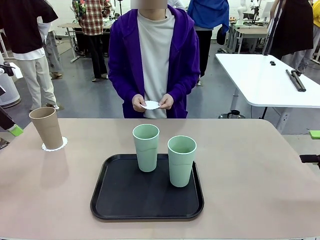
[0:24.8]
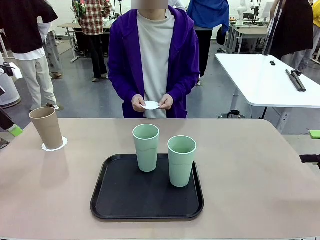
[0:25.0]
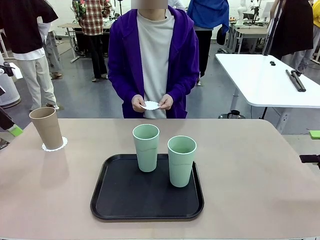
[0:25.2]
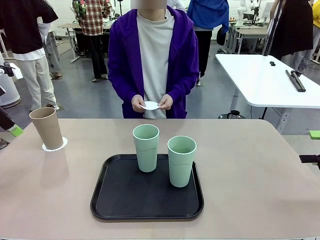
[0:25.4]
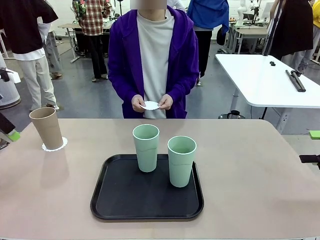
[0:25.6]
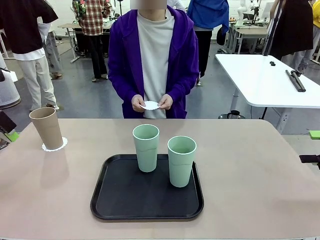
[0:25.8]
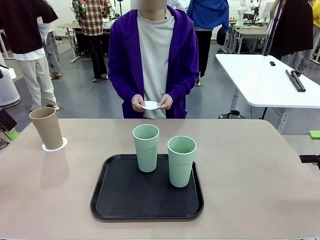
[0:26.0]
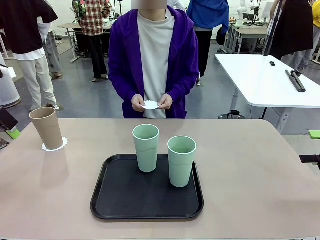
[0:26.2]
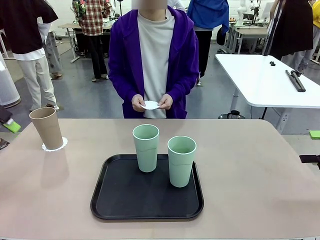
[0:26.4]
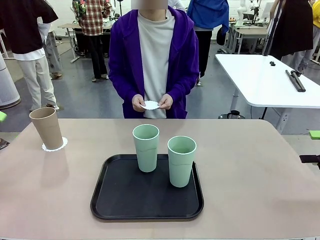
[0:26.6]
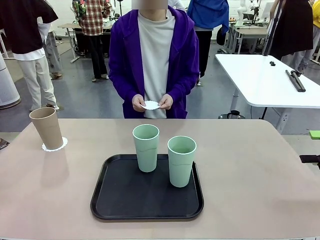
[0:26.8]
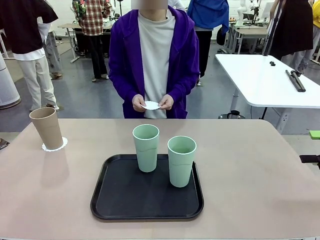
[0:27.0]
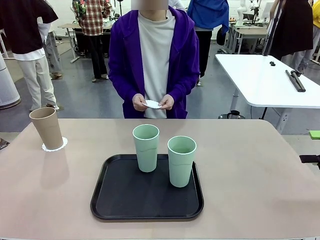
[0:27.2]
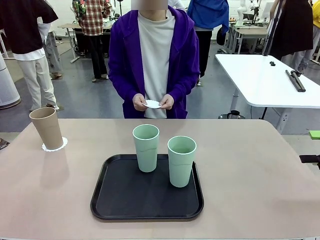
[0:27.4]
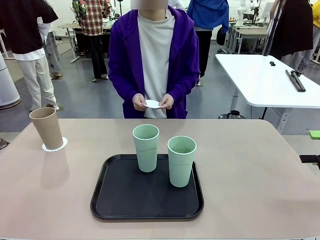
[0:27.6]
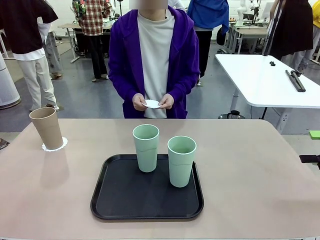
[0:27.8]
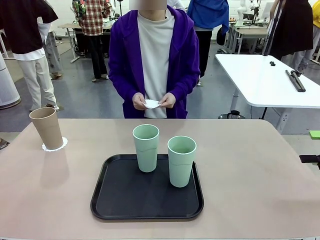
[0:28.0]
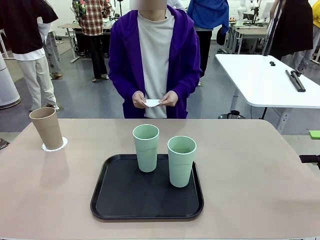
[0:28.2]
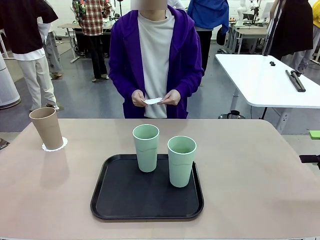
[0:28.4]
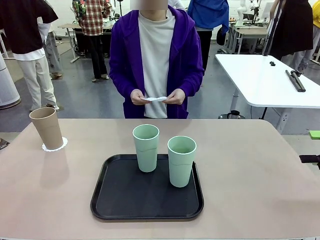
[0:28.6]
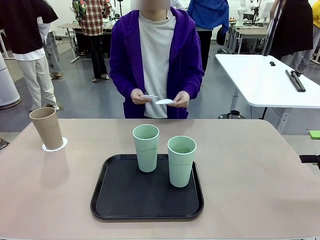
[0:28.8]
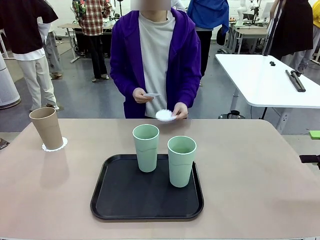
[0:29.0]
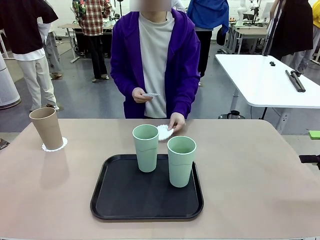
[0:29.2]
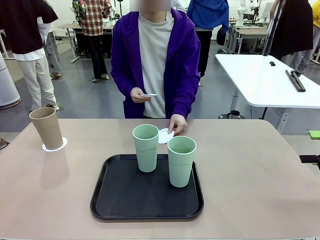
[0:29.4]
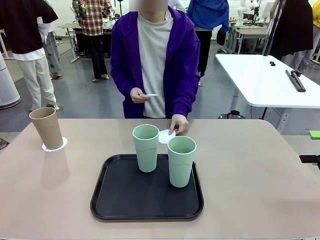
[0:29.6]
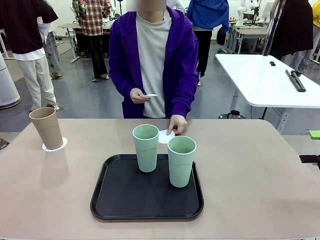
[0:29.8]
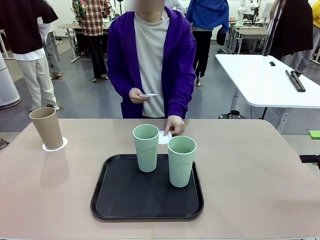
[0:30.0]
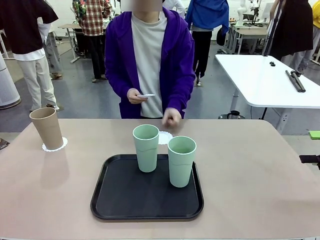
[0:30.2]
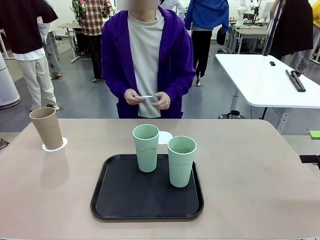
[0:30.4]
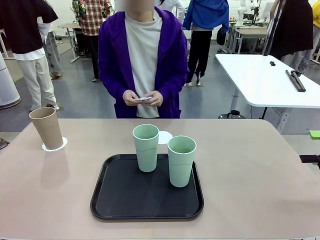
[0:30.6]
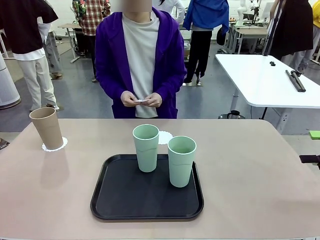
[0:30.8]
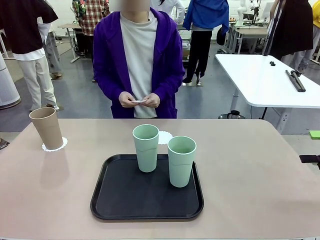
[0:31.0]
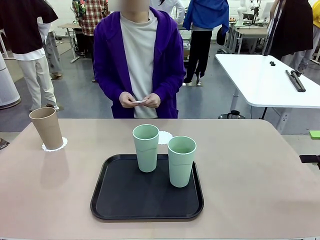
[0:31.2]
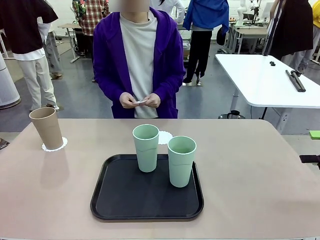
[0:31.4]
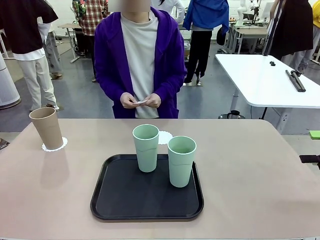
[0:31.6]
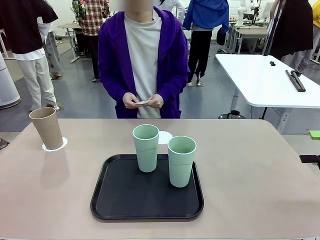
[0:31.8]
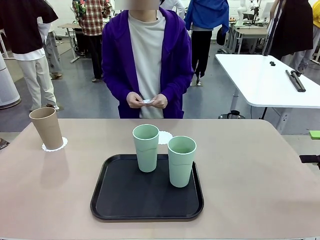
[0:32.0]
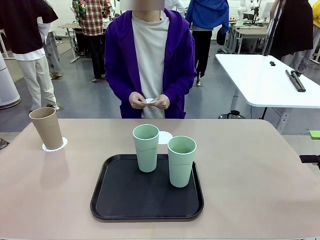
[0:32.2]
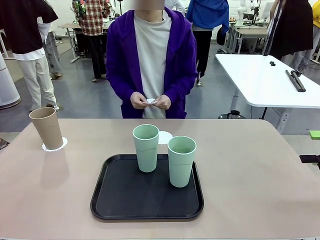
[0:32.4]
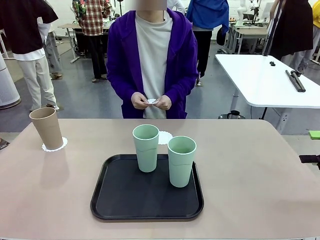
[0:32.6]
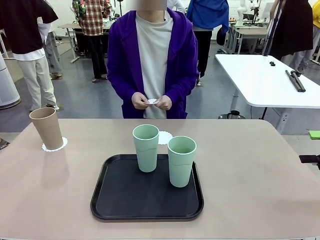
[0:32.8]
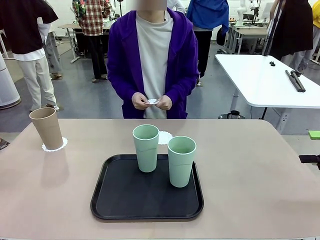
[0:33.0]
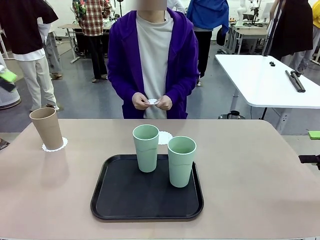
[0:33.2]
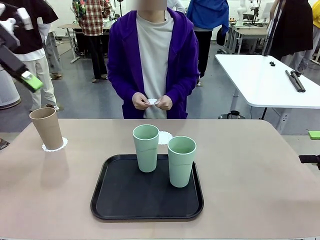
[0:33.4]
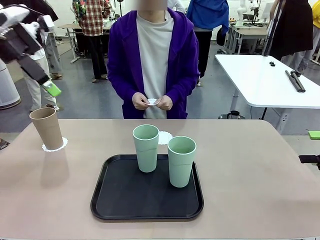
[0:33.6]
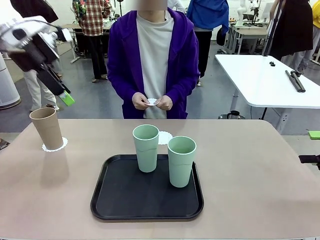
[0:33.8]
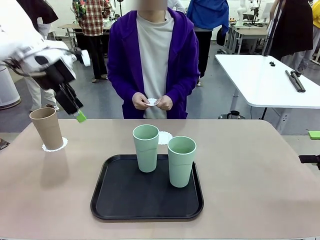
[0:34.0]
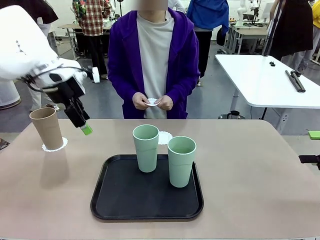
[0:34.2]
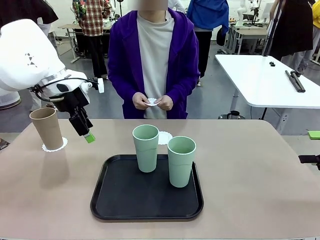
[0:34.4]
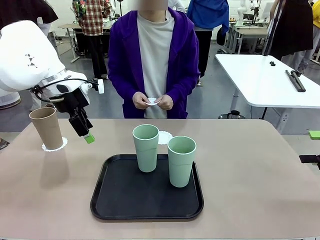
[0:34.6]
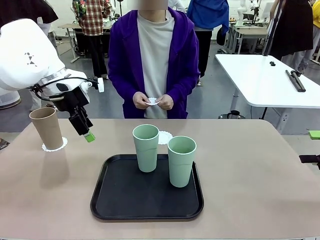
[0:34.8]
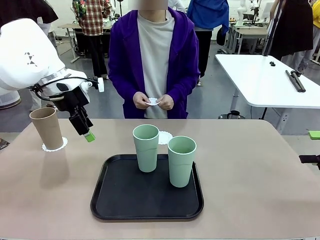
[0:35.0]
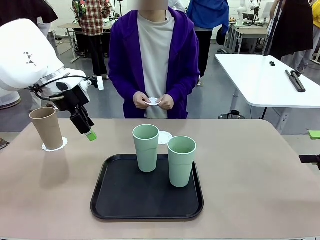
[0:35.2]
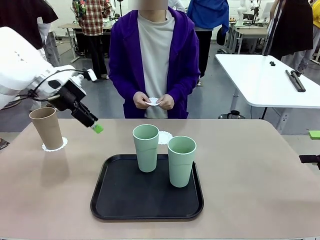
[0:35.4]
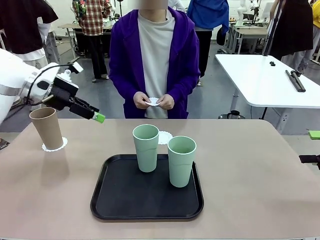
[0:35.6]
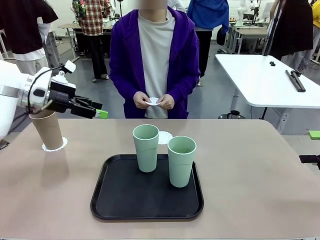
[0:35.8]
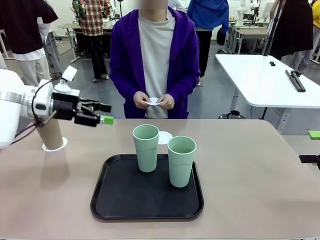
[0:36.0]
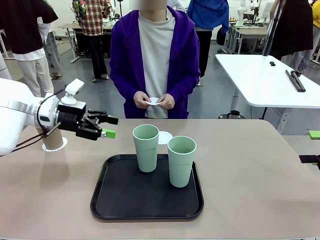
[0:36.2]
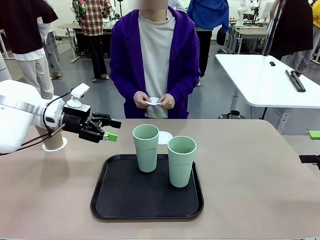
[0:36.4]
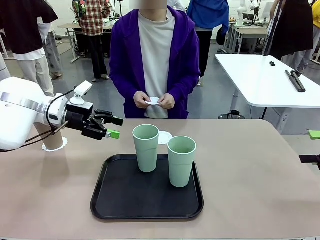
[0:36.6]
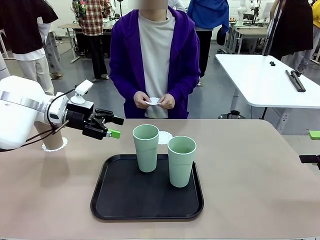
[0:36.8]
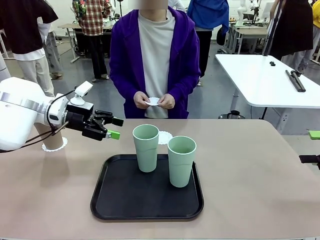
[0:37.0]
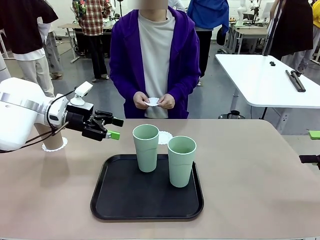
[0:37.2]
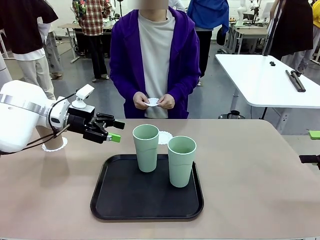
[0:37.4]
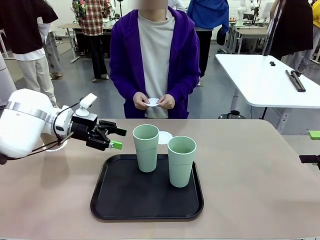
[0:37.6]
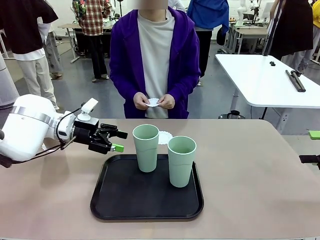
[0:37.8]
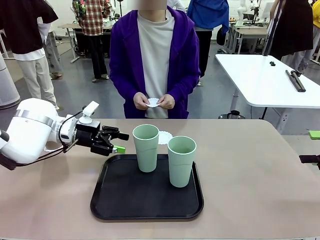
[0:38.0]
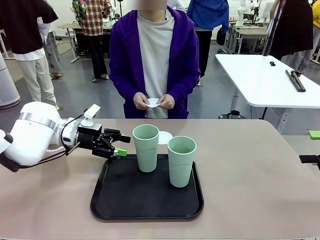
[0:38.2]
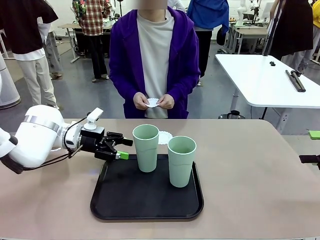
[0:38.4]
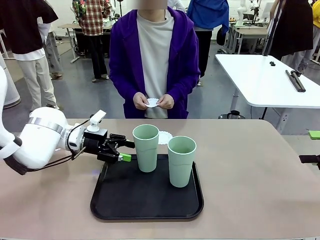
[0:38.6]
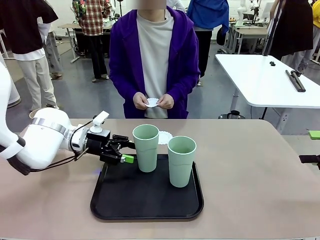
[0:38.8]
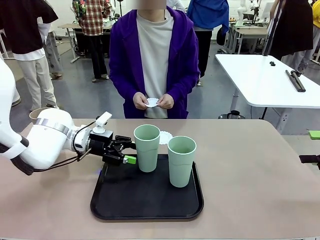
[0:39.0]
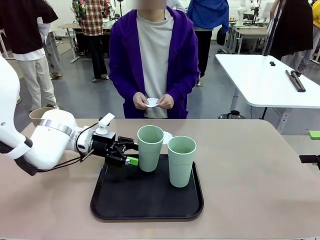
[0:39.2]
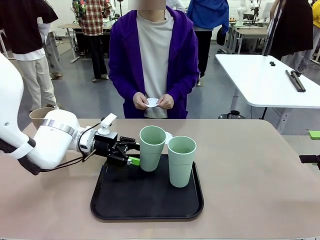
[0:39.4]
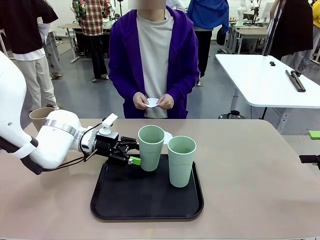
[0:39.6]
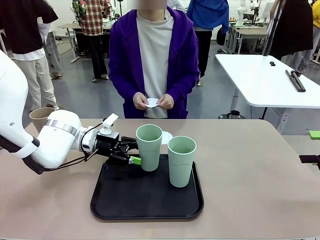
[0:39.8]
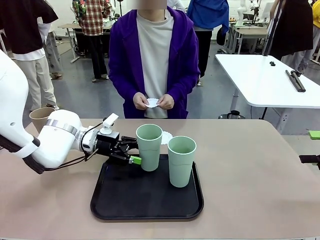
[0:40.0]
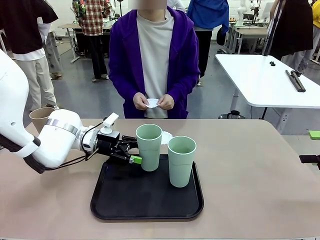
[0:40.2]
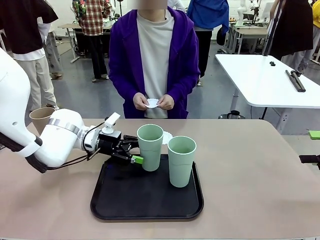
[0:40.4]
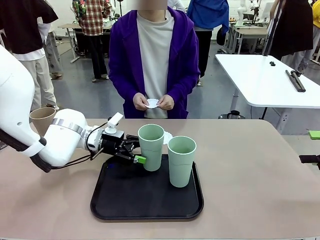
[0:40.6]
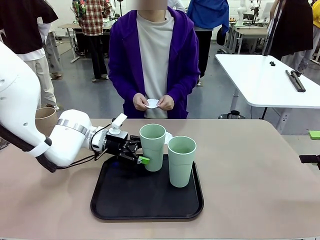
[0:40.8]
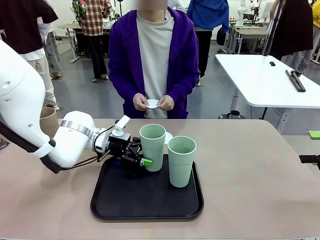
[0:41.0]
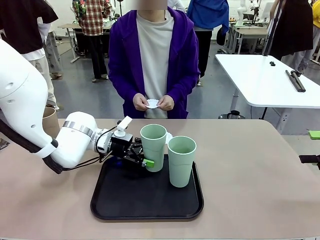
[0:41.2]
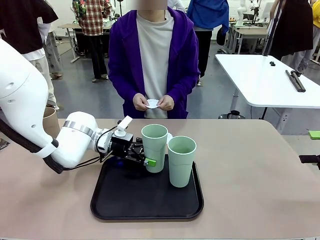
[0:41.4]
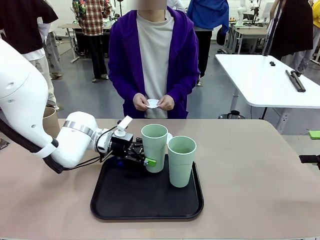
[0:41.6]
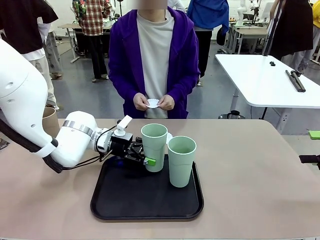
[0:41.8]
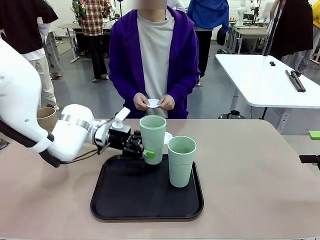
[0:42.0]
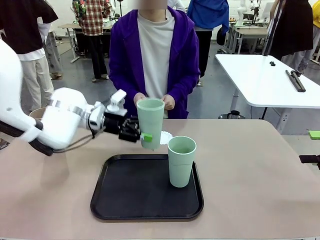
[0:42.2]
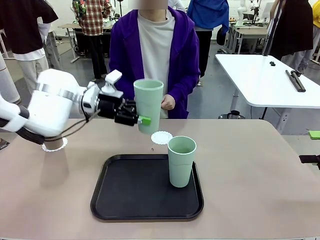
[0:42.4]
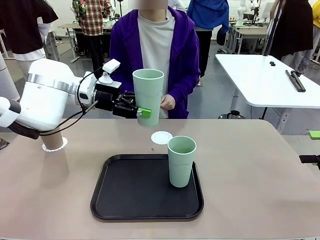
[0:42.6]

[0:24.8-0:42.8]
Task: Place coasters on the table and set cups on them.
Robot: Take one Reusable plastic cup from the Flat Tray and place it on a coaster set by the human.
